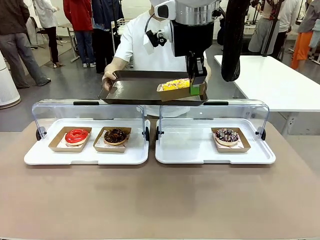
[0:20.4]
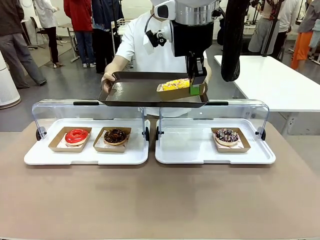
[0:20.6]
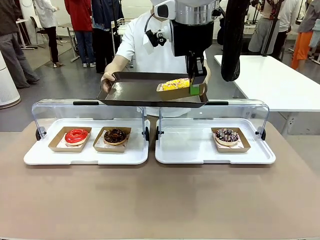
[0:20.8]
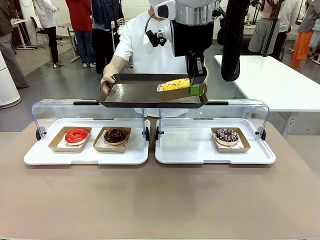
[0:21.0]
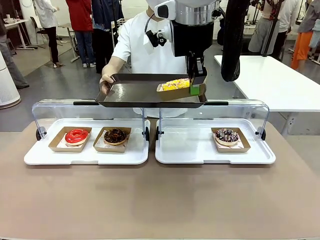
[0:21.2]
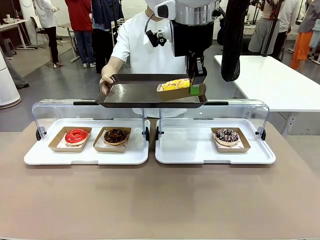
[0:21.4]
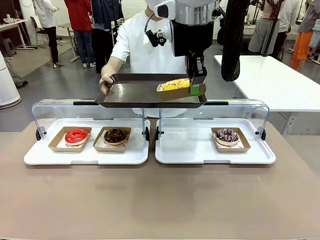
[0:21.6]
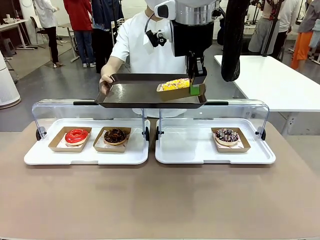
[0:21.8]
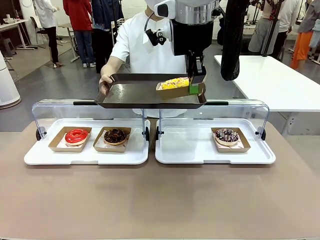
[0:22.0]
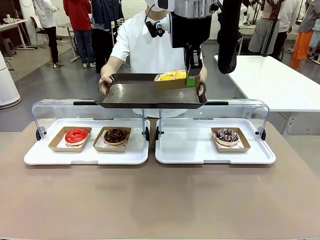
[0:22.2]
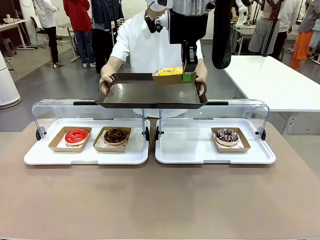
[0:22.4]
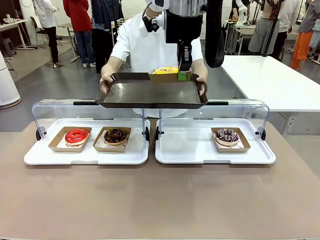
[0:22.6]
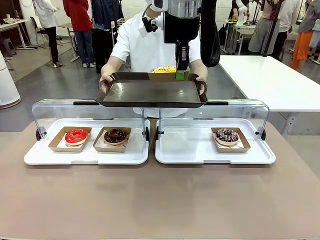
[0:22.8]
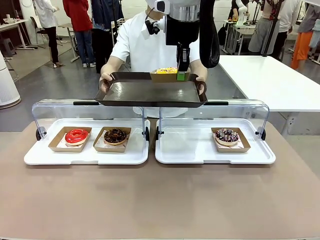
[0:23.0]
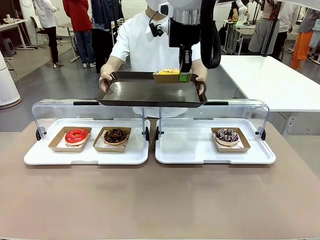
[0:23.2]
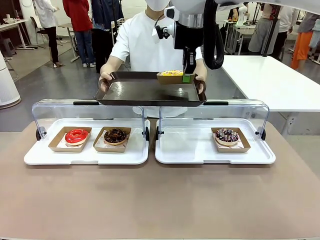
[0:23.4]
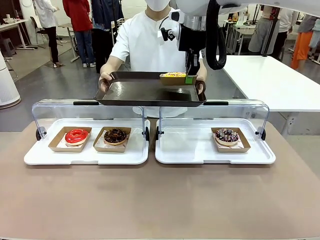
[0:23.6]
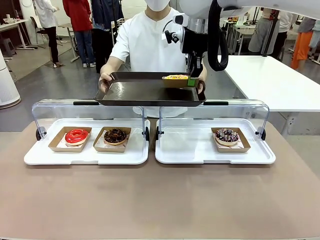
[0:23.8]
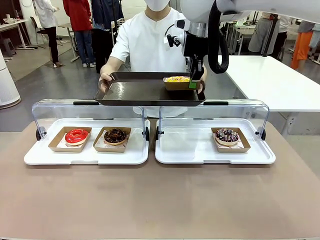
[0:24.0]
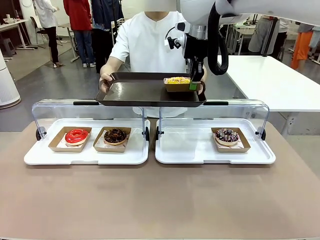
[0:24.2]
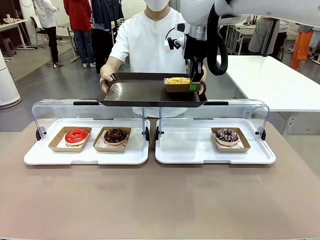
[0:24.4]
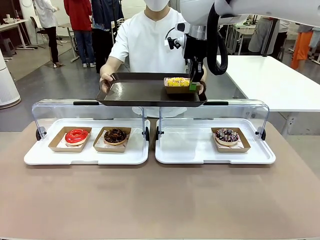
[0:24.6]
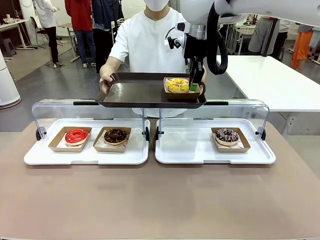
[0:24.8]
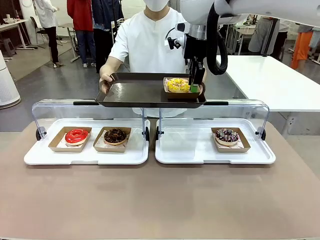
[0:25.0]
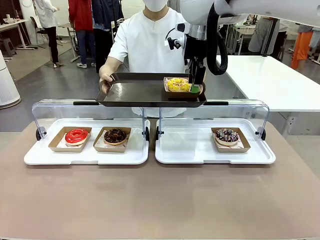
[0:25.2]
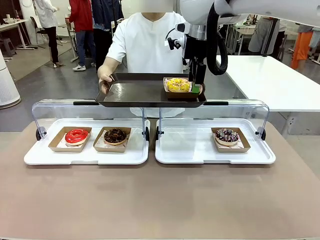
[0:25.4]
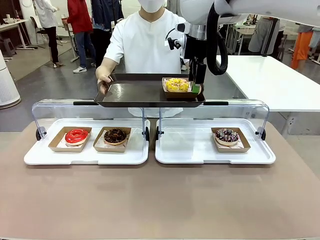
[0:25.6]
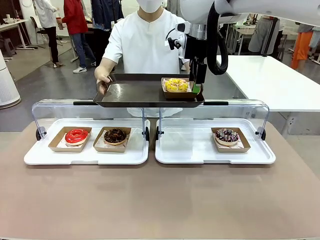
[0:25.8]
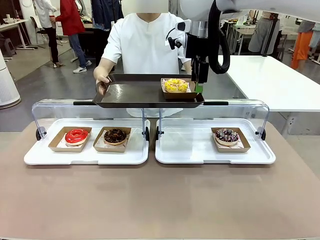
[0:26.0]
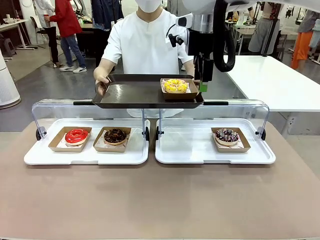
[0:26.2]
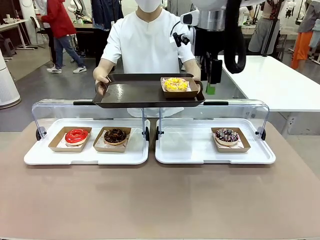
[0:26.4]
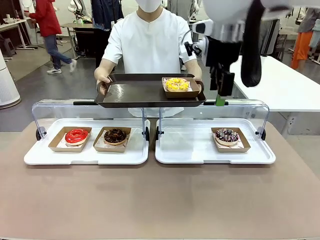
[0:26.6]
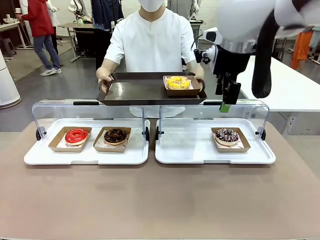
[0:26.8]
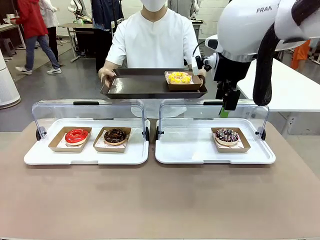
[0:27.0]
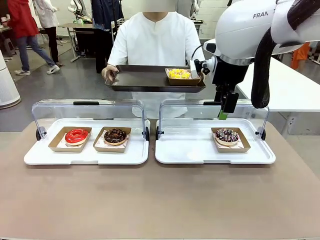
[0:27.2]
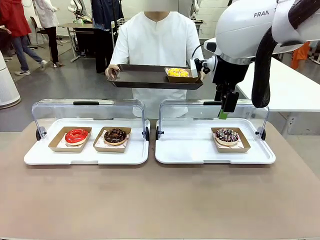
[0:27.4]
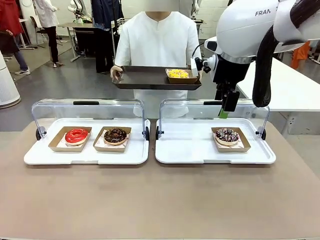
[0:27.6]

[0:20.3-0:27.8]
Task: Provide the desired donut to the person.
Robot: Place the picked Paper togo box onto the Handle tray extended by the person.

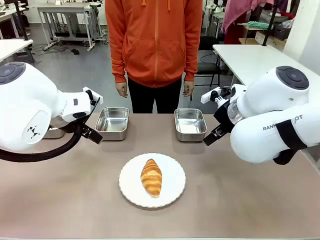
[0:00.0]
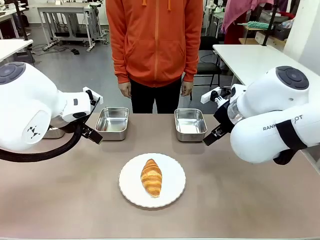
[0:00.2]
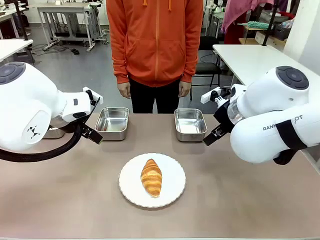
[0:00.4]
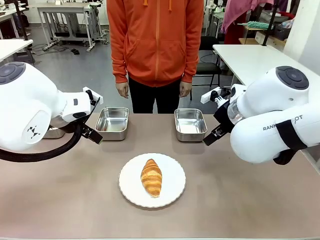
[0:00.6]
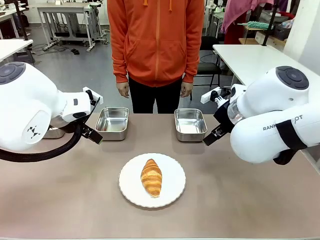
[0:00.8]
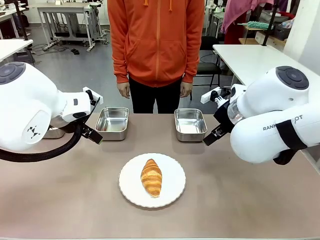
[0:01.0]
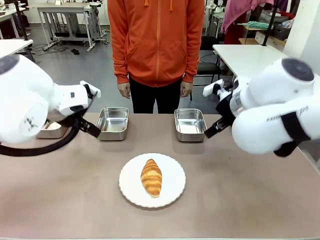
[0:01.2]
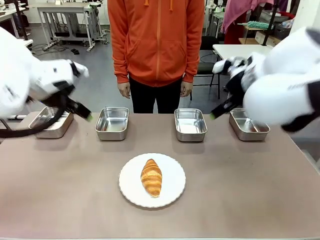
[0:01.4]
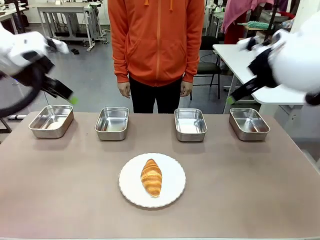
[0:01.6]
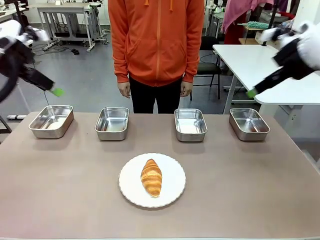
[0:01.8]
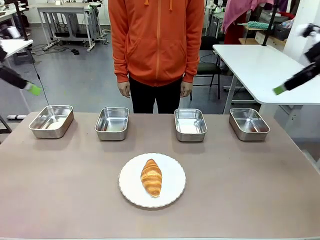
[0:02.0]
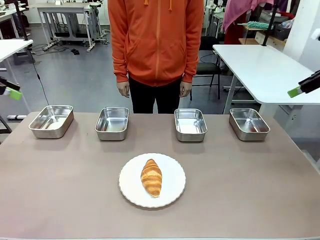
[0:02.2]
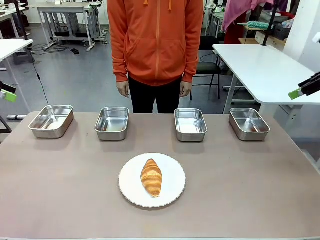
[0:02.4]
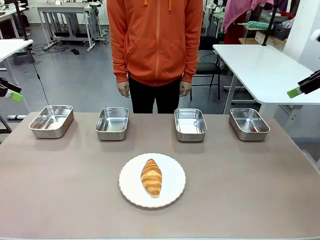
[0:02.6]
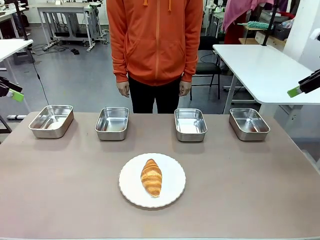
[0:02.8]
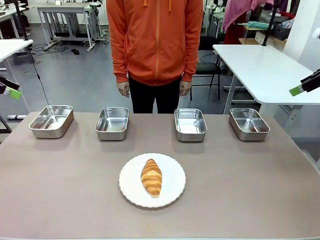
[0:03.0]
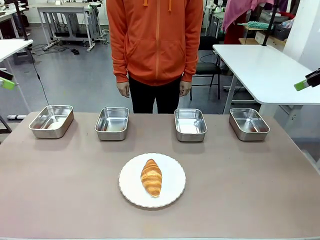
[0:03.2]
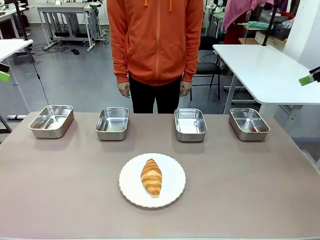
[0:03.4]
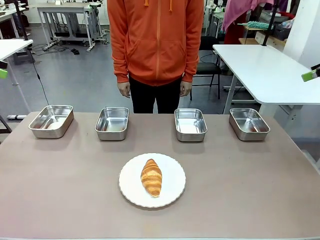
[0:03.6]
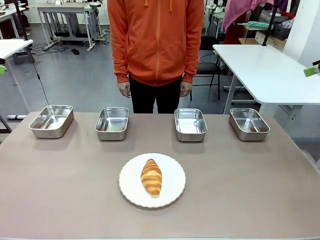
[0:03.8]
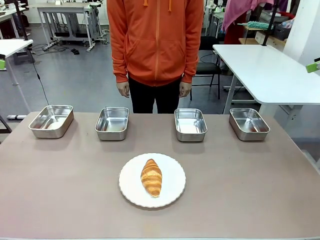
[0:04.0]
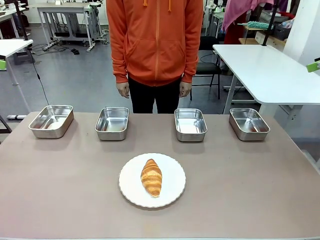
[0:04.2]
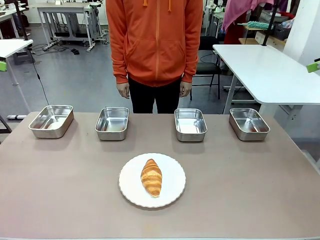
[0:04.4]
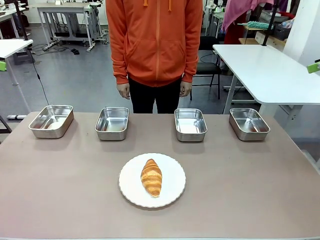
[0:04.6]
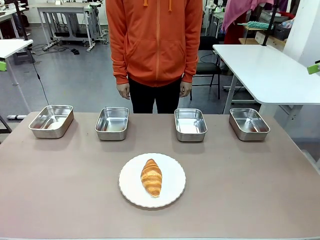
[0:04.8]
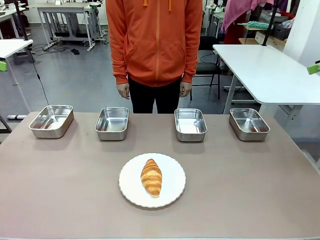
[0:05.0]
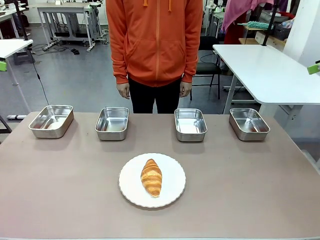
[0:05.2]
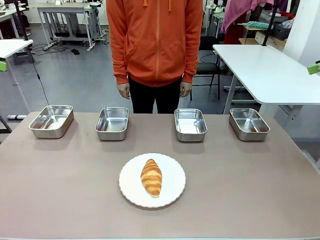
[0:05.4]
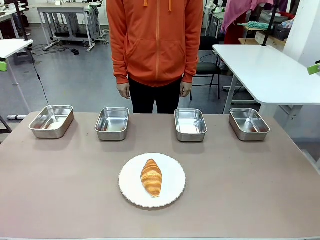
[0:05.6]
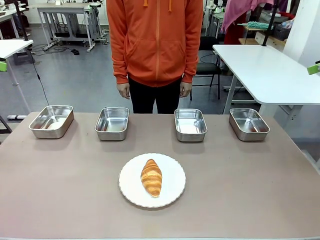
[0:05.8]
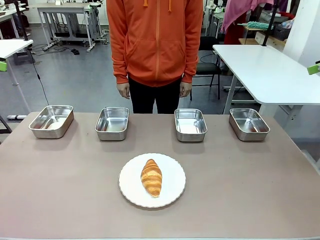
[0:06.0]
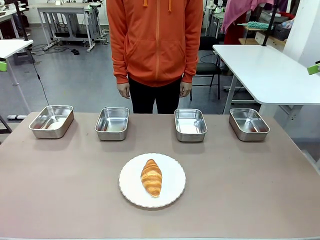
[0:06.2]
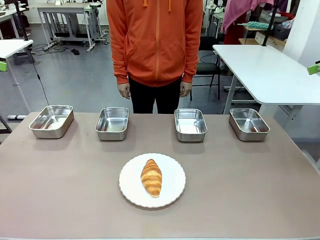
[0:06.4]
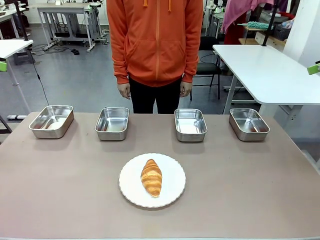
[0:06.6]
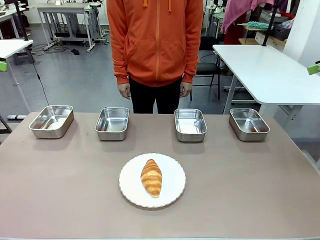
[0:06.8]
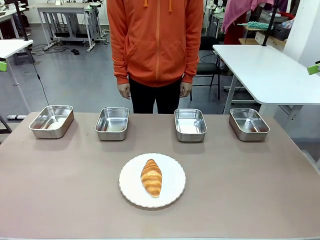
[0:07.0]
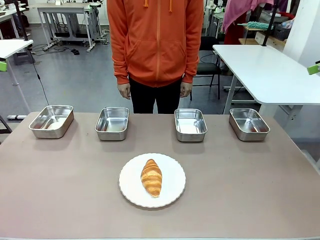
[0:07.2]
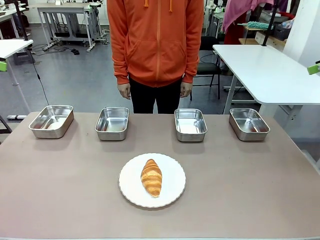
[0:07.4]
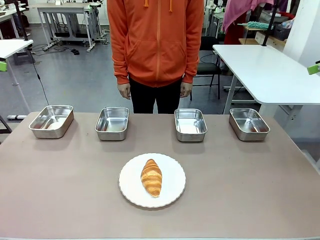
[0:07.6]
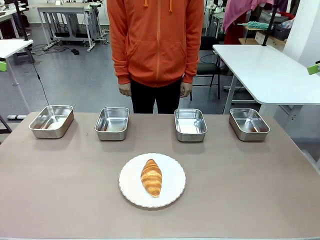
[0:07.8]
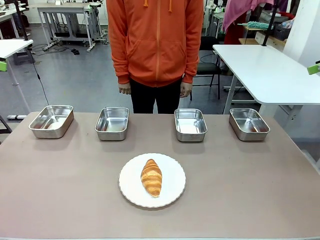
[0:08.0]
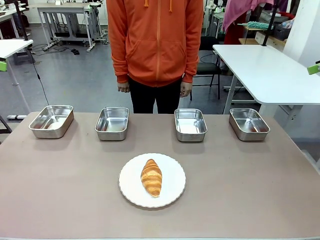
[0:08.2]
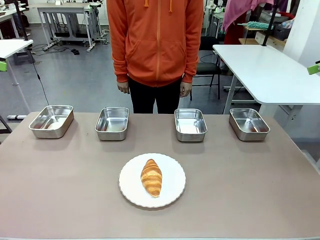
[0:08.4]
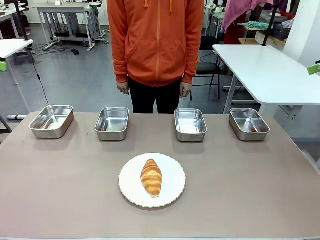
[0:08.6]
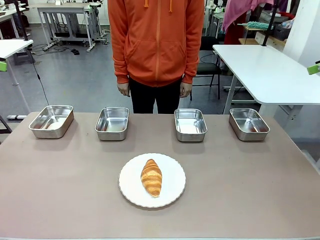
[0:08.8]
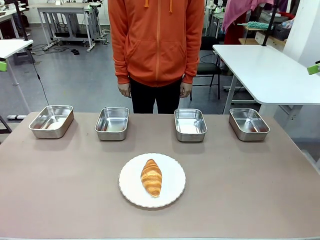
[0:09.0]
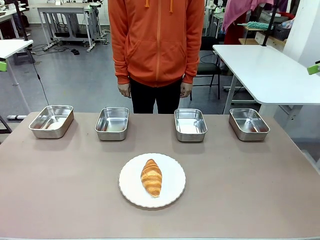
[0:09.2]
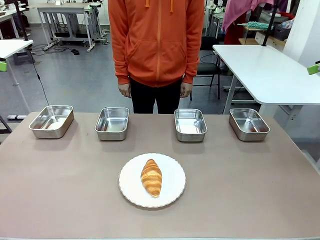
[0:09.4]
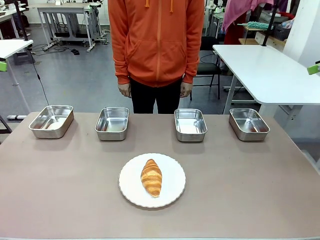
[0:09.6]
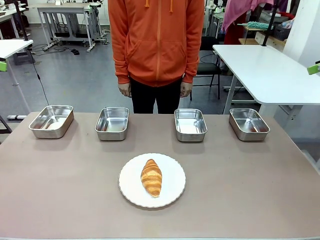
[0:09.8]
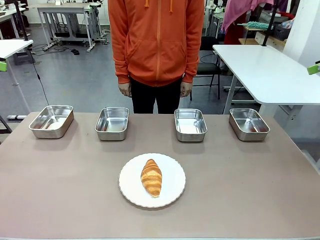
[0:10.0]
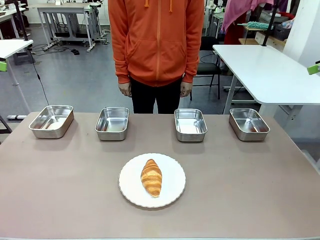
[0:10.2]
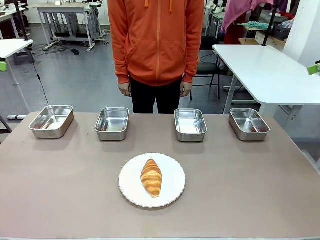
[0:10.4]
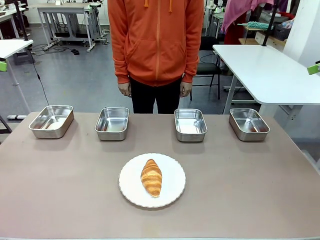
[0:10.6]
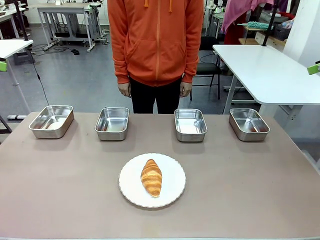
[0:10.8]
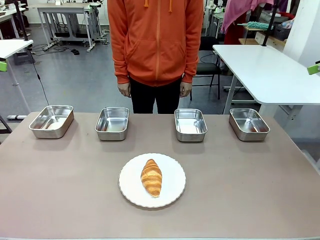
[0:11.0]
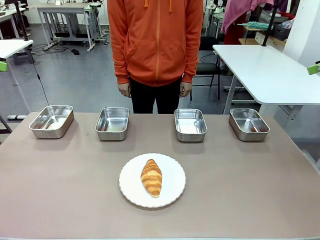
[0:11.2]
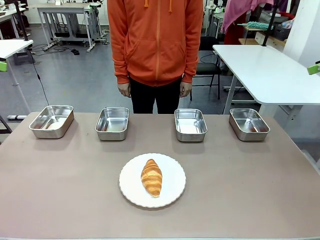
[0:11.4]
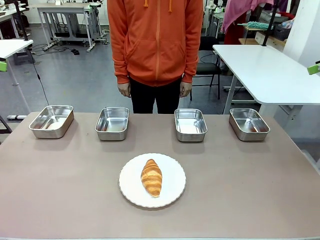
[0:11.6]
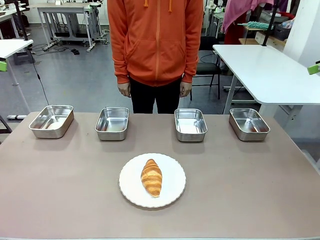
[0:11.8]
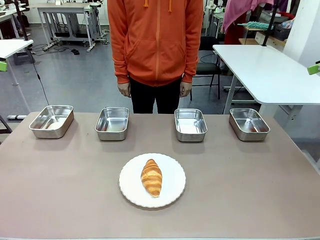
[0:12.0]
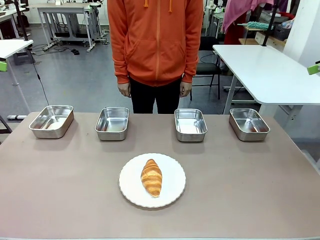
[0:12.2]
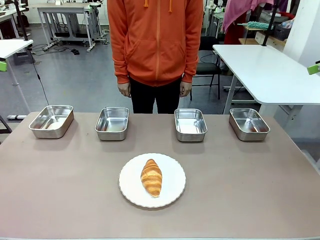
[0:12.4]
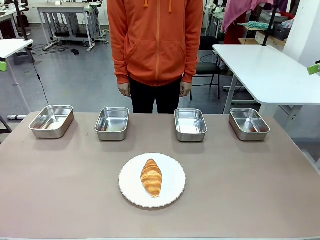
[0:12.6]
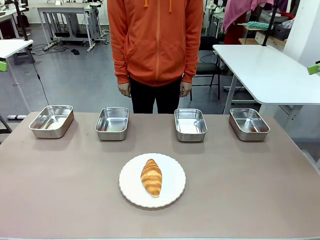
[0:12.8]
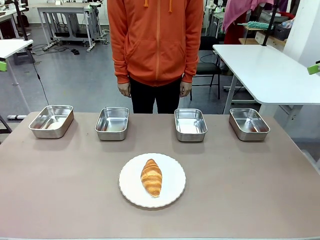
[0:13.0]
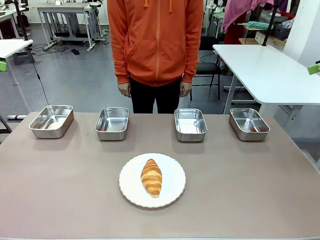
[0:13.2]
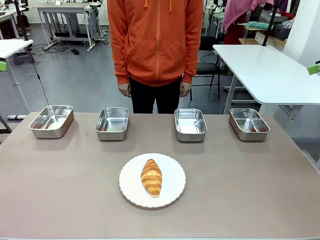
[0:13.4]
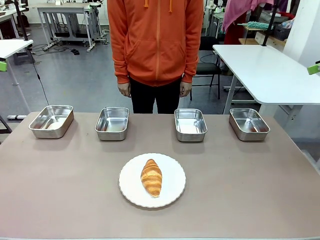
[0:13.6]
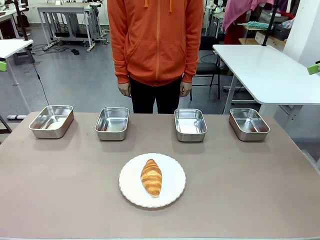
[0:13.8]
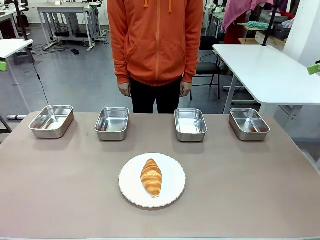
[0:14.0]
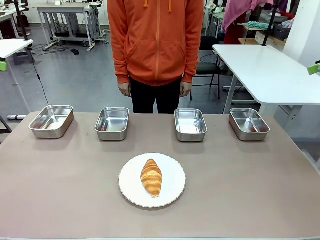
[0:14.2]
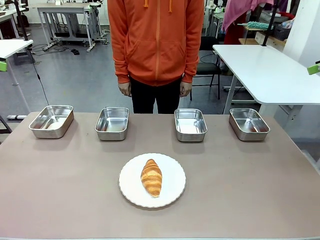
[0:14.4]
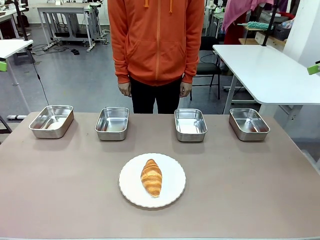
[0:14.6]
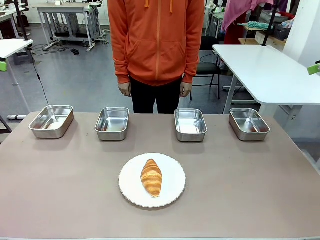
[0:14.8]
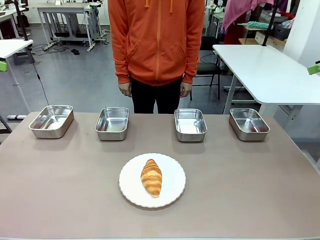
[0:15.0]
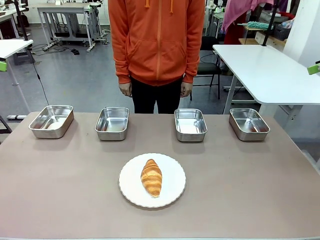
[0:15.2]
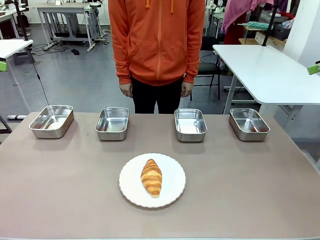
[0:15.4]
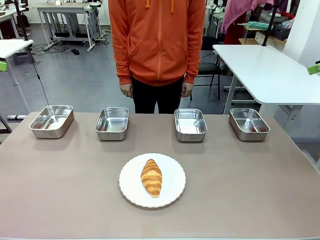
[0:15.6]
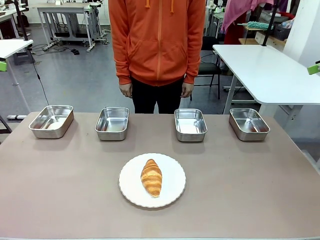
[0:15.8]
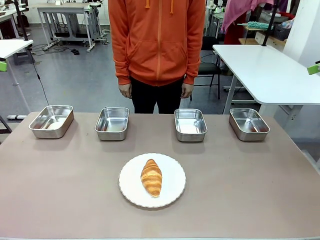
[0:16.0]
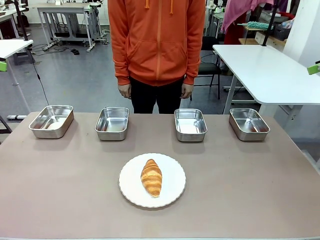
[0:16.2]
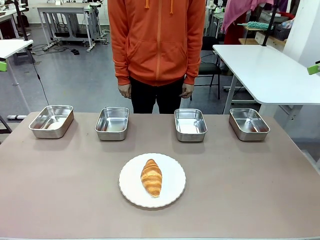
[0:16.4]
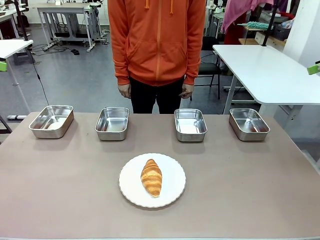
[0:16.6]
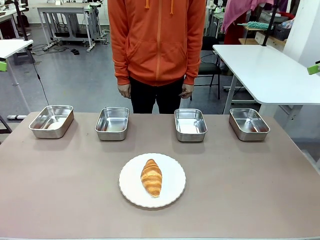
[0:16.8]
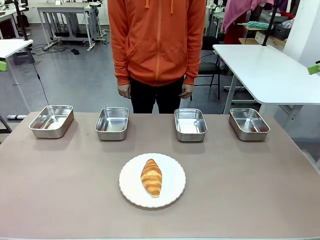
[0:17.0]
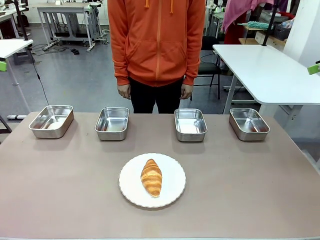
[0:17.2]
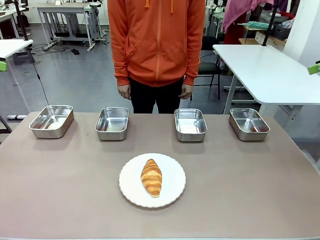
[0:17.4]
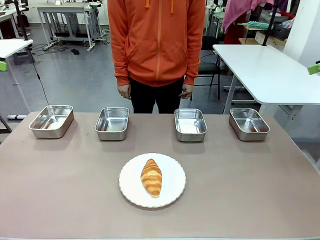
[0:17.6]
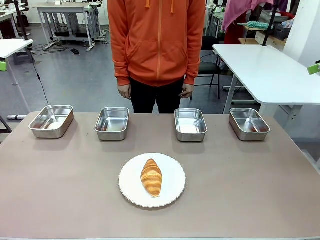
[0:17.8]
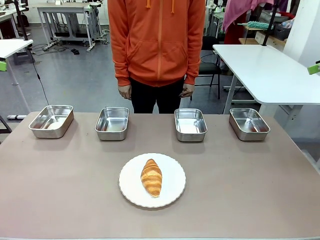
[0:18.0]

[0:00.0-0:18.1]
Task: Place the bread in the container.
Robot: Place the Butter Roll into the Airtight Container indicated by the human.
